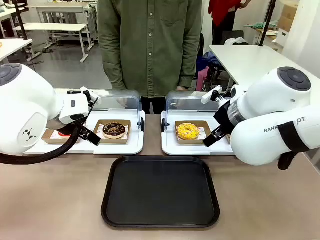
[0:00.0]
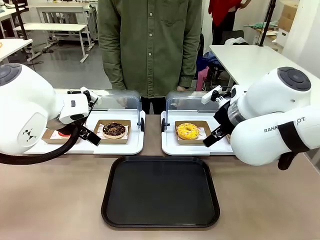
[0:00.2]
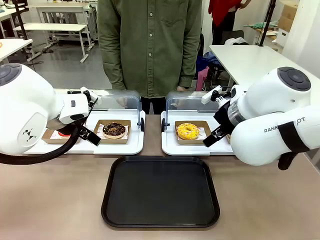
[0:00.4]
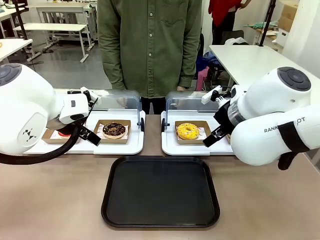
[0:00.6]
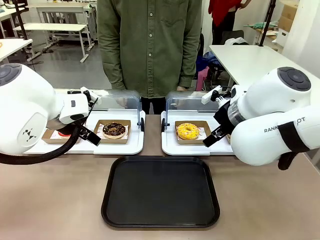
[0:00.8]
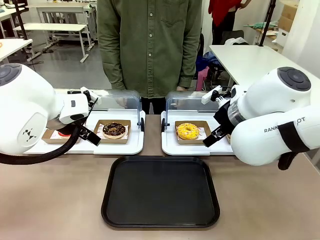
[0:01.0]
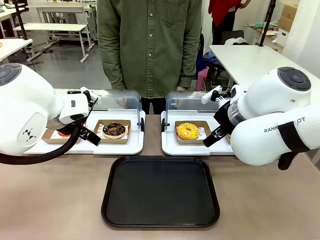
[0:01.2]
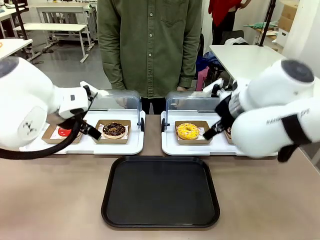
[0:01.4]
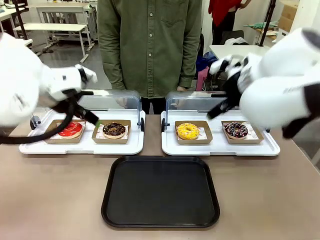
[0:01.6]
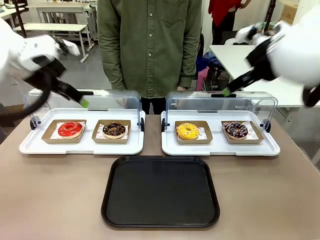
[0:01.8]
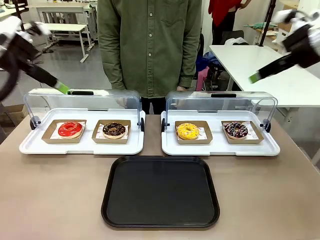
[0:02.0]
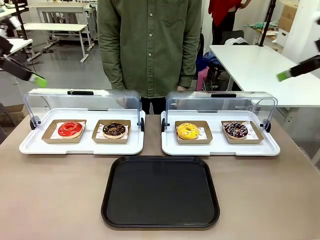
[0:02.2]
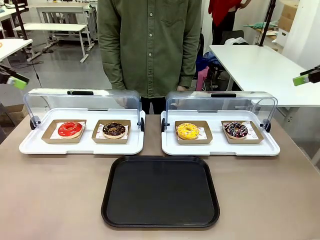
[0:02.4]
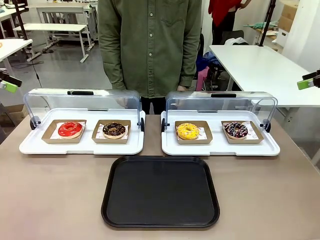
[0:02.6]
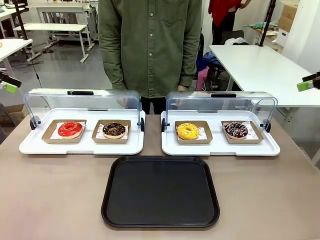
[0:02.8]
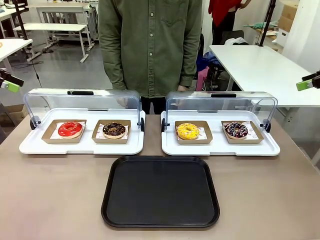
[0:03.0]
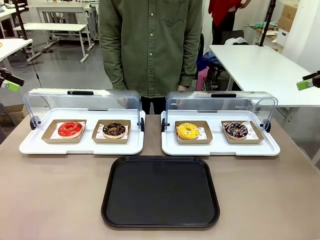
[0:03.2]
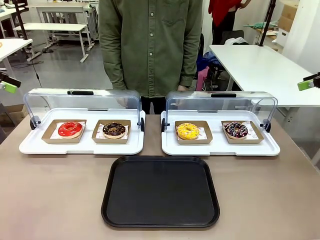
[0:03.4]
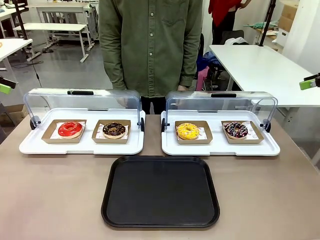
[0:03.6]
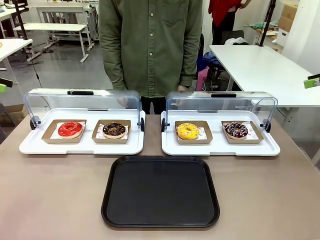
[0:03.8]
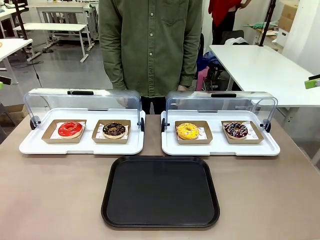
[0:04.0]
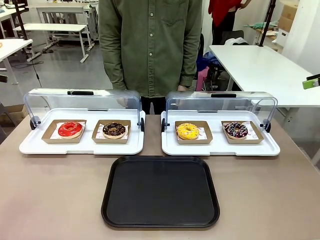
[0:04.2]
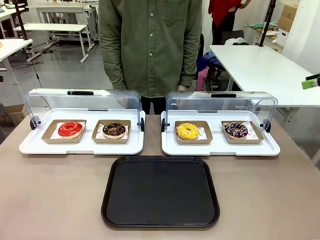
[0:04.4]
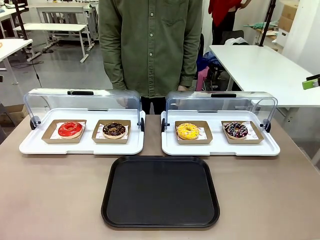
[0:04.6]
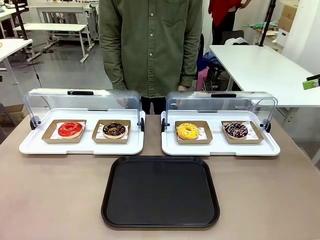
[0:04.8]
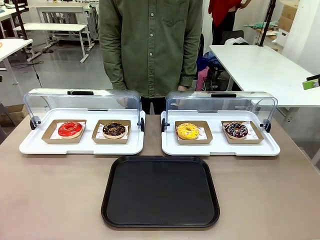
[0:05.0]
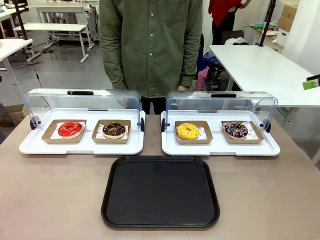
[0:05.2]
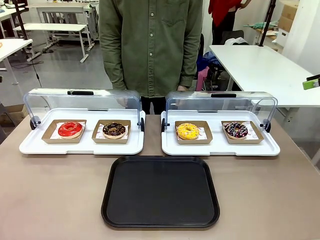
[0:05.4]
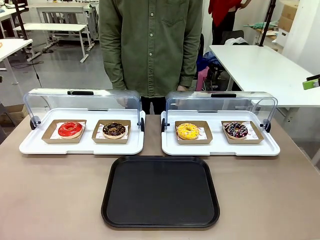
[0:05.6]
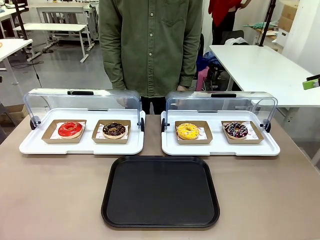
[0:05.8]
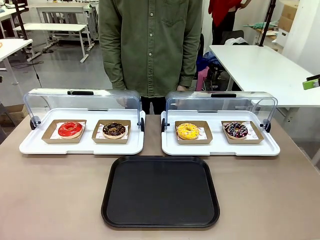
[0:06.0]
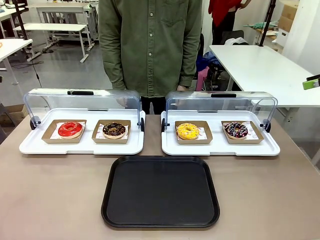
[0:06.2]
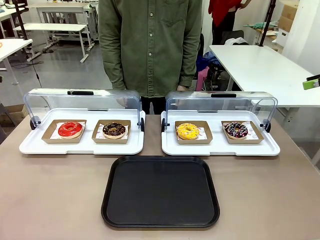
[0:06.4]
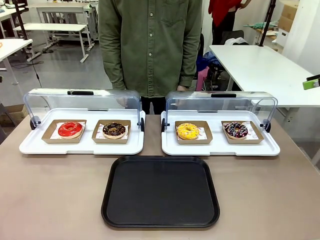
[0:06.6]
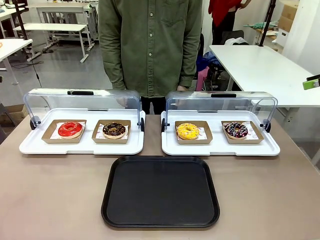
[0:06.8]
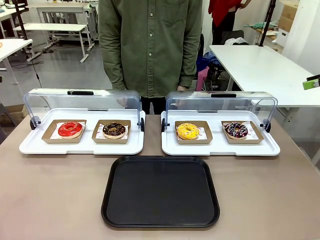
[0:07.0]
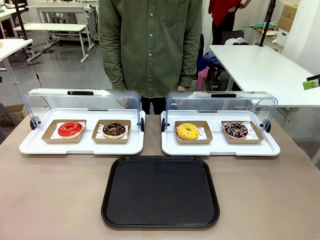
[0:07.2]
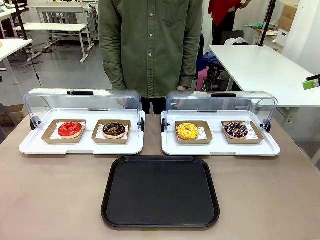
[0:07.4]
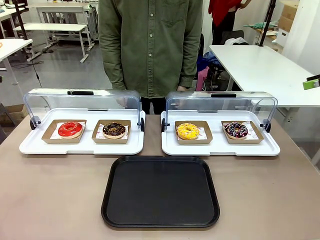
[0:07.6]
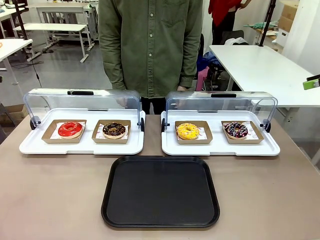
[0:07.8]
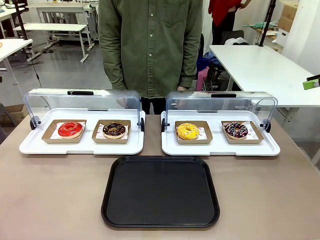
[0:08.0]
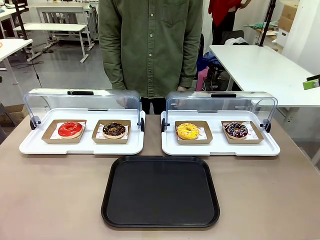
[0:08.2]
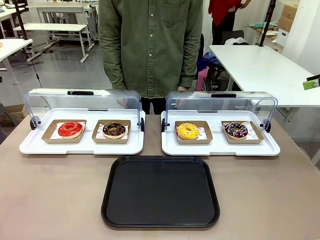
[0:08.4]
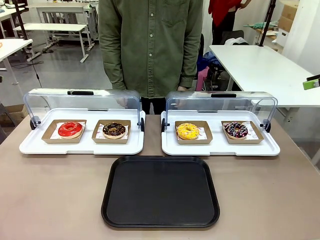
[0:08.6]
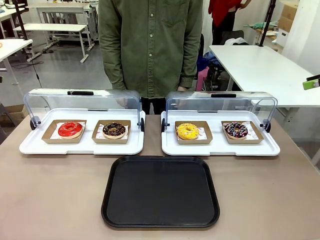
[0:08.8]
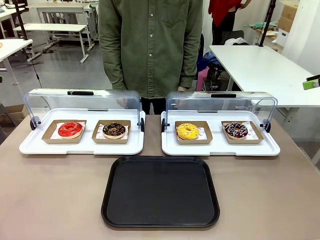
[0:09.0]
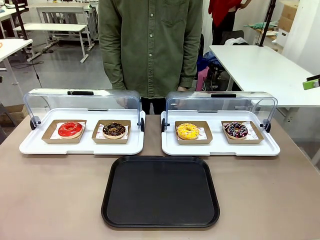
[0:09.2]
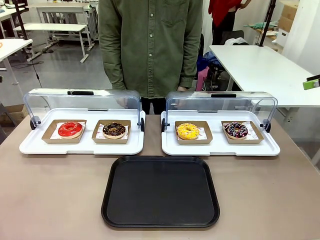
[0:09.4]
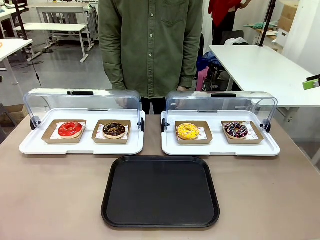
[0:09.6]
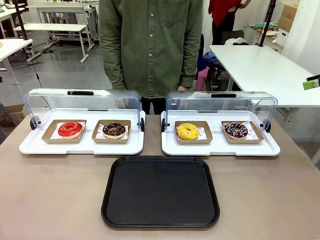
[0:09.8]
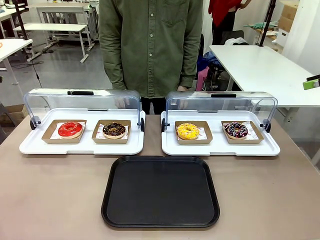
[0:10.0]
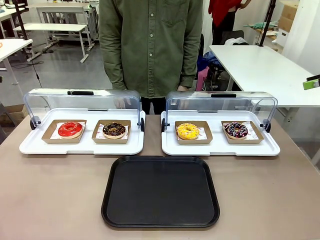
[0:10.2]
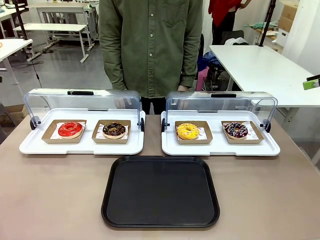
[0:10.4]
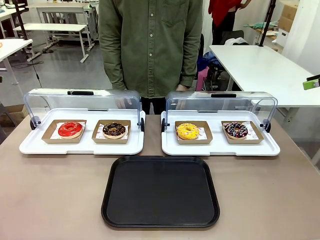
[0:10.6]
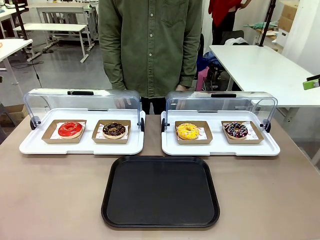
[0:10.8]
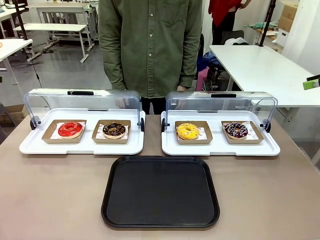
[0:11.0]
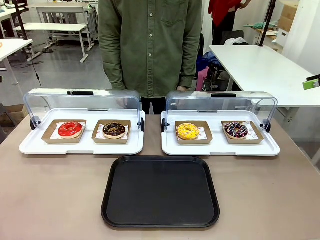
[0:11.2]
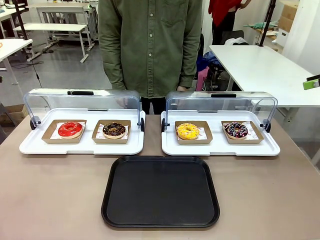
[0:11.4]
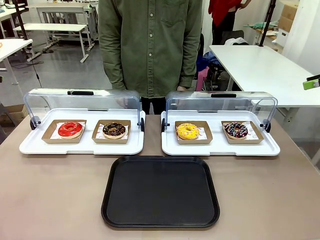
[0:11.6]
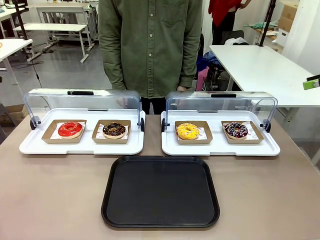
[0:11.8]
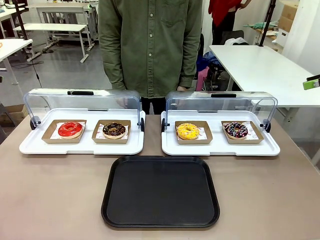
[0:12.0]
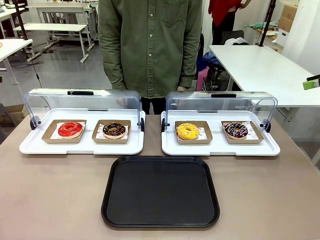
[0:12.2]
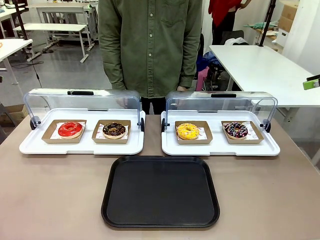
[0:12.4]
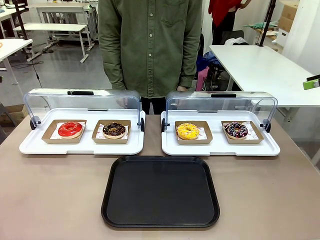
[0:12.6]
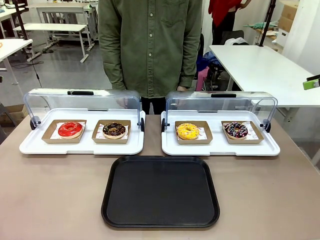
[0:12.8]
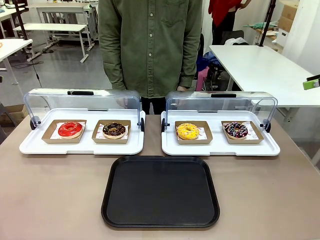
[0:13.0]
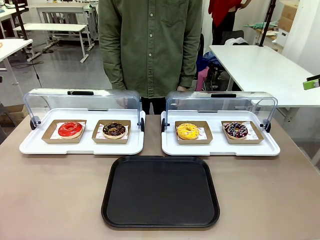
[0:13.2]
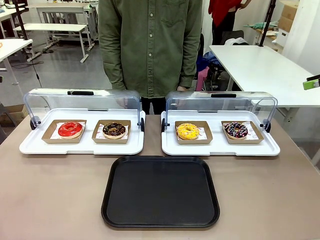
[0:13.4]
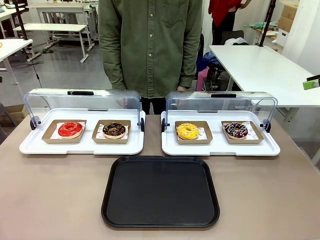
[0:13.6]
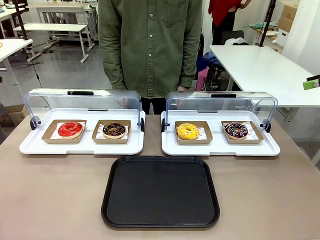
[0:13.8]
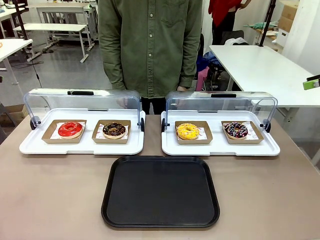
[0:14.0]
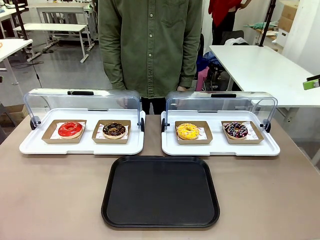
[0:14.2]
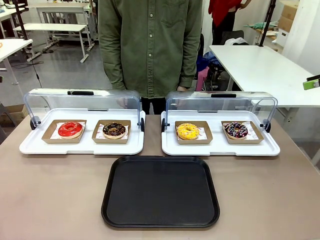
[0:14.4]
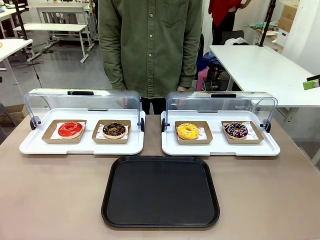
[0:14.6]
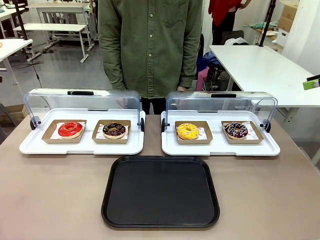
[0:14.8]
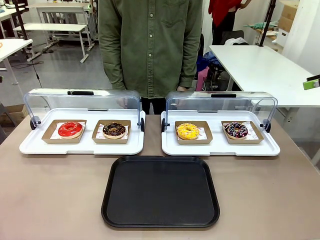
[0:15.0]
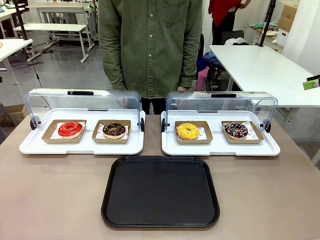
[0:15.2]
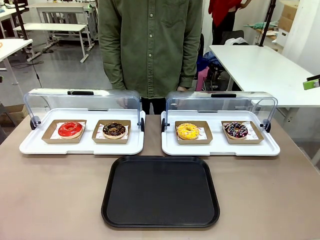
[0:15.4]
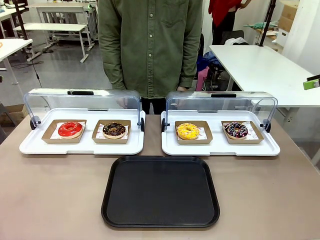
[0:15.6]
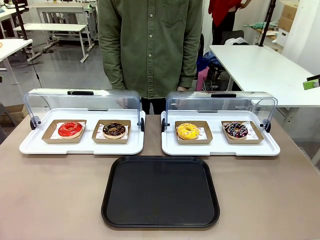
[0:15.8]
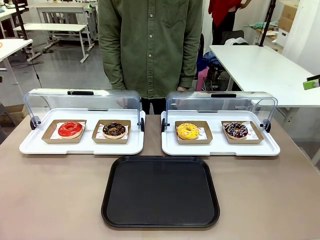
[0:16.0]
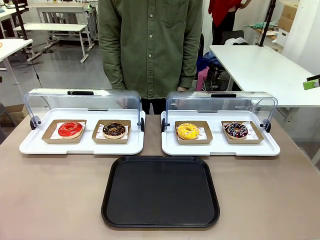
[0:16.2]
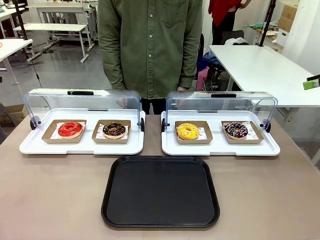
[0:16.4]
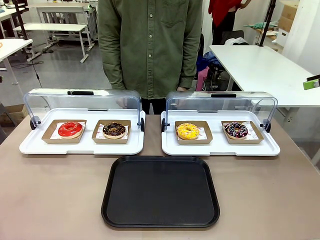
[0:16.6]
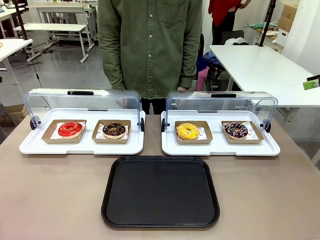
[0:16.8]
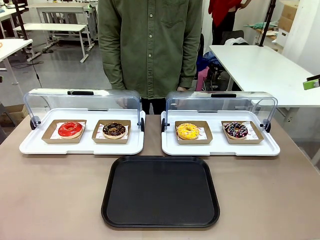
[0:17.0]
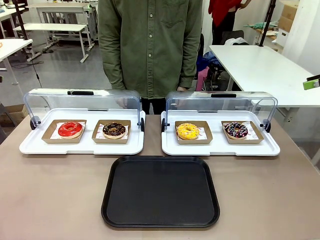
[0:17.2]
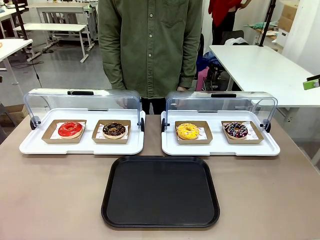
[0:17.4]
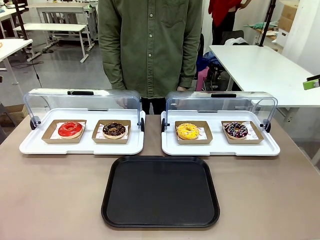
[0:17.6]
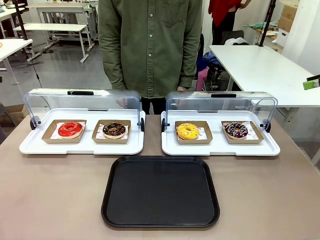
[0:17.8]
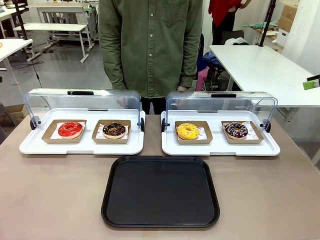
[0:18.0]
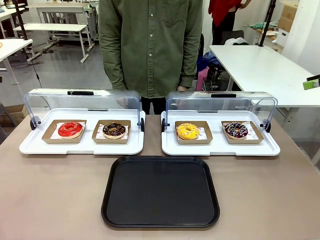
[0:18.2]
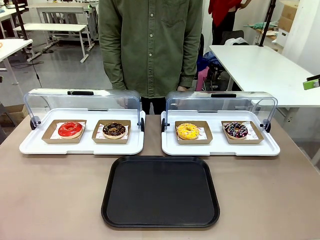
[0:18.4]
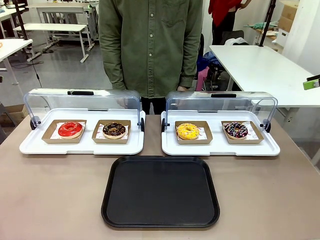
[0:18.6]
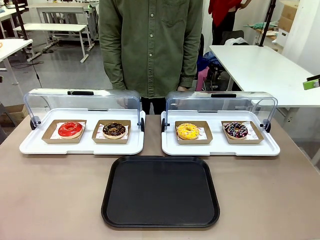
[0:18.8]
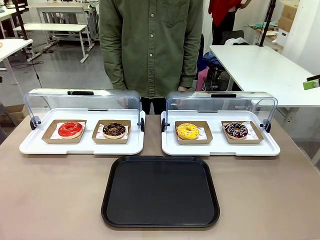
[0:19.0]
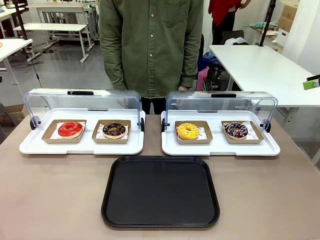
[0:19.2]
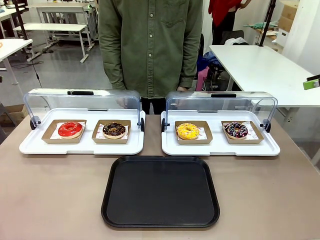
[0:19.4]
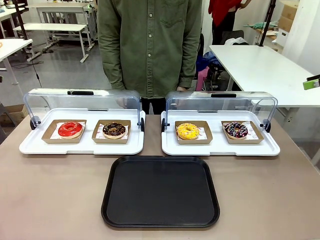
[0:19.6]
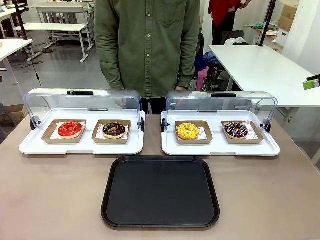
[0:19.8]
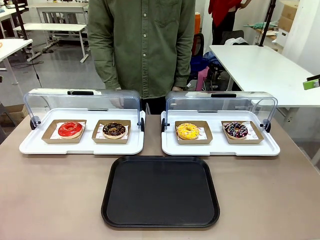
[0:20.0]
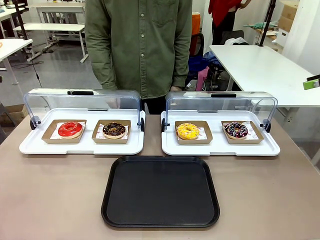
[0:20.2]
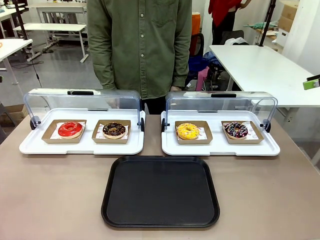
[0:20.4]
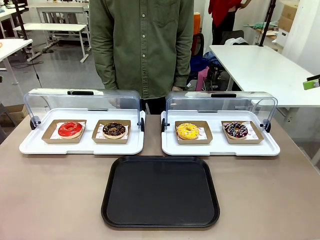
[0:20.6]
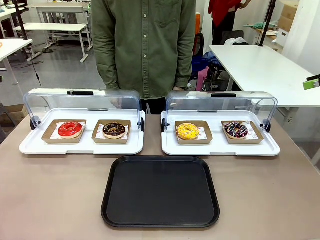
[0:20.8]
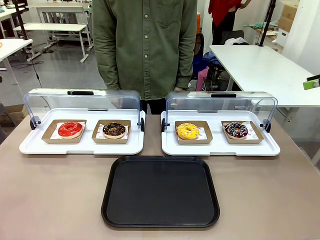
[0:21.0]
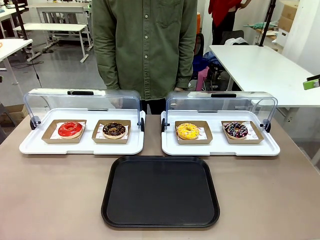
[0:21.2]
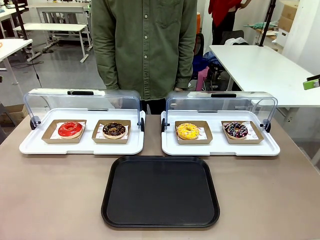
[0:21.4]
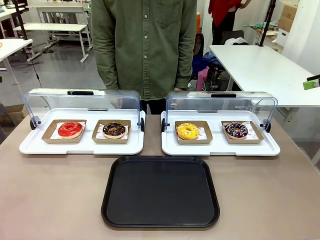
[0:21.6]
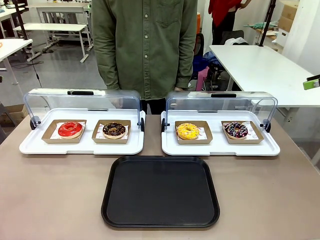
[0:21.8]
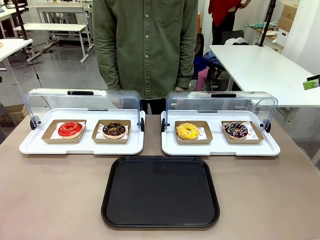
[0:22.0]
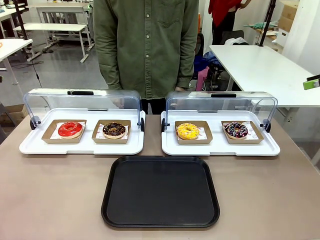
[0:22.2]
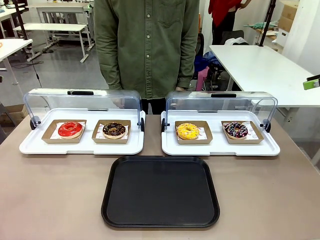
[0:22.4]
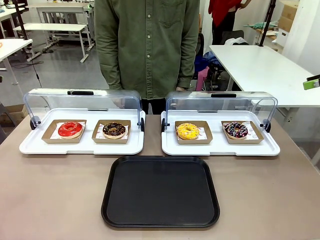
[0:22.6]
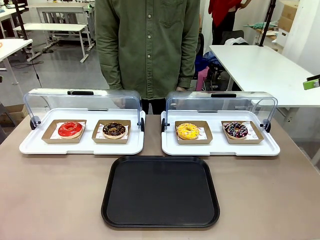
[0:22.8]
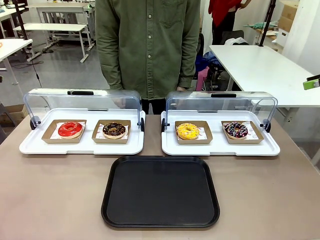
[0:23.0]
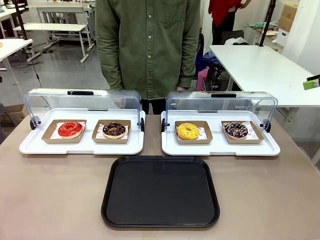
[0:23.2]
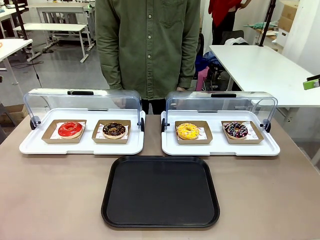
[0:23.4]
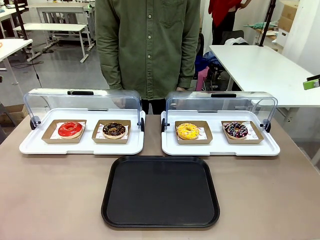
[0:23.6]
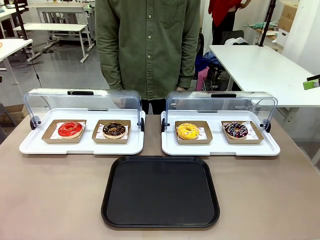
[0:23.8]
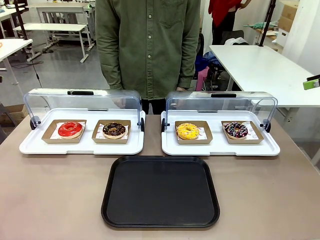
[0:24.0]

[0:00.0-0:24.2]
Task: Move the second donut from the left to the tray.
Robot: Pick up the Paper togo box containing the Donut indicated by the person and place it on the Handle tray.
